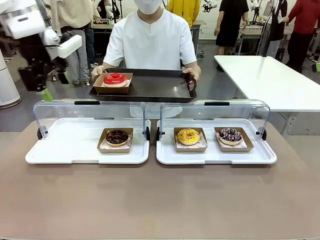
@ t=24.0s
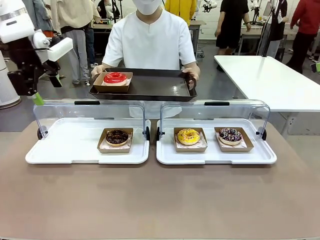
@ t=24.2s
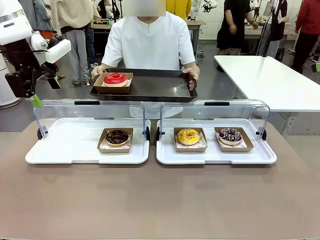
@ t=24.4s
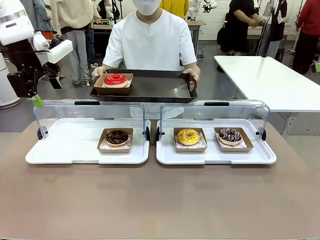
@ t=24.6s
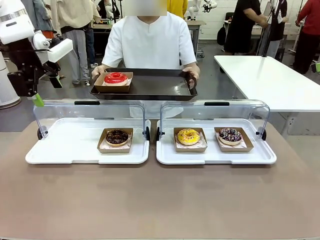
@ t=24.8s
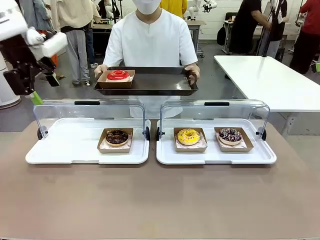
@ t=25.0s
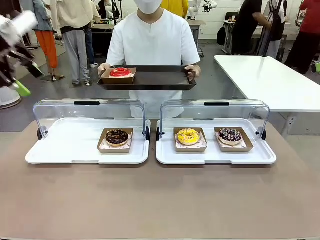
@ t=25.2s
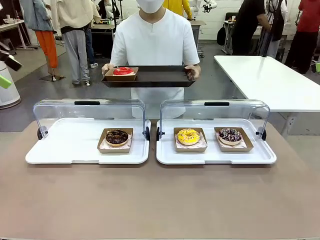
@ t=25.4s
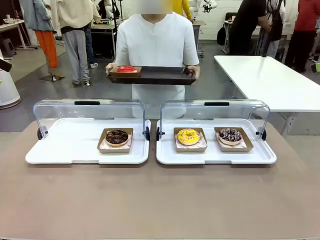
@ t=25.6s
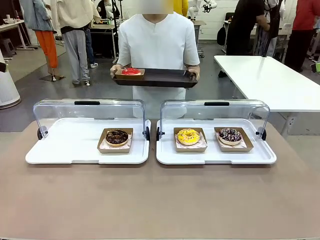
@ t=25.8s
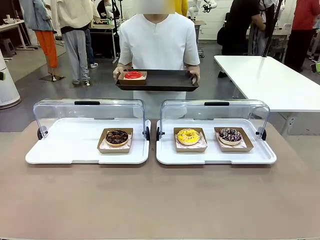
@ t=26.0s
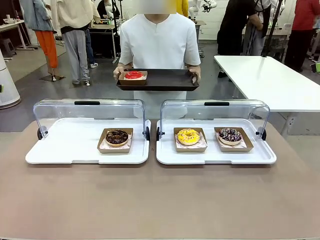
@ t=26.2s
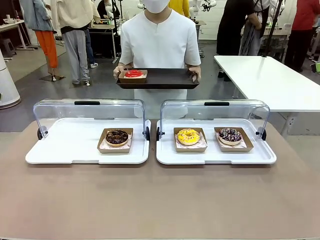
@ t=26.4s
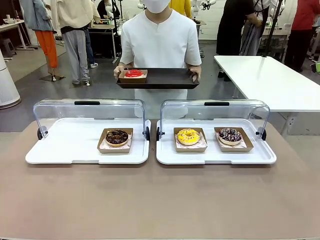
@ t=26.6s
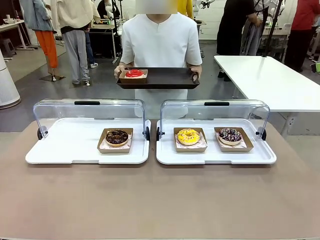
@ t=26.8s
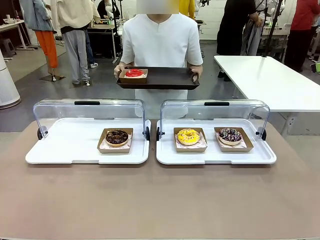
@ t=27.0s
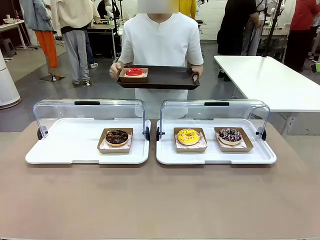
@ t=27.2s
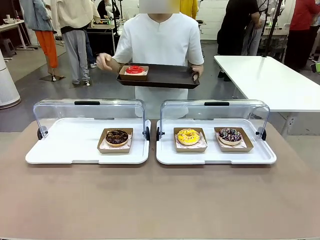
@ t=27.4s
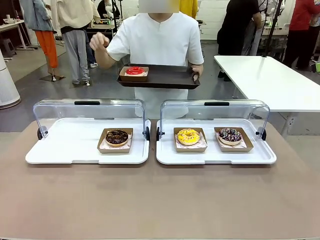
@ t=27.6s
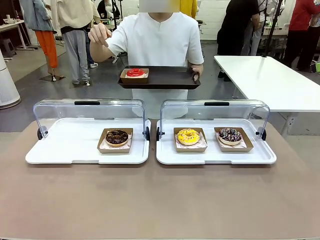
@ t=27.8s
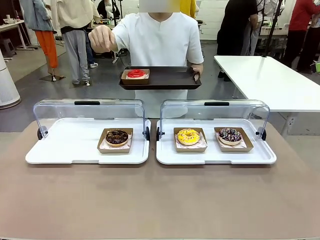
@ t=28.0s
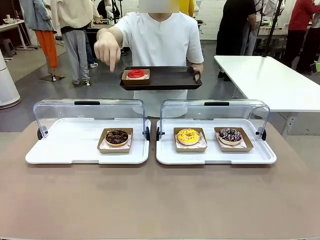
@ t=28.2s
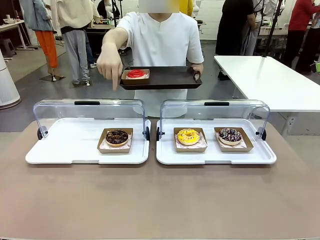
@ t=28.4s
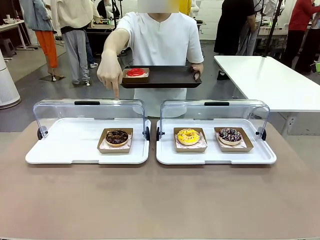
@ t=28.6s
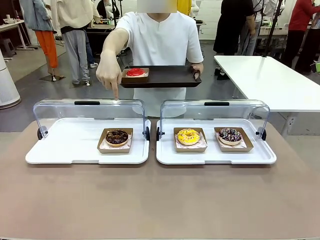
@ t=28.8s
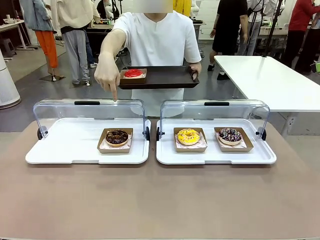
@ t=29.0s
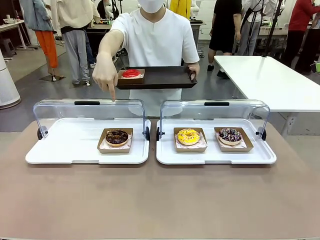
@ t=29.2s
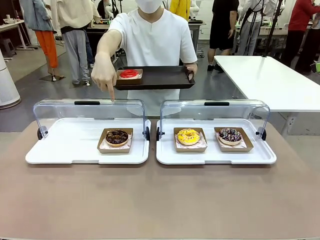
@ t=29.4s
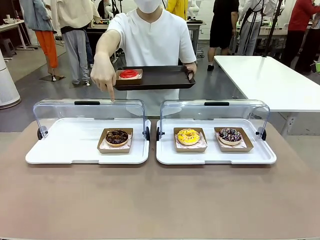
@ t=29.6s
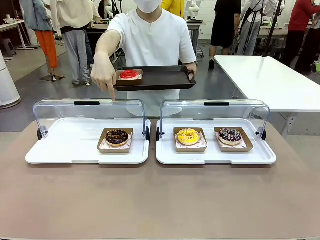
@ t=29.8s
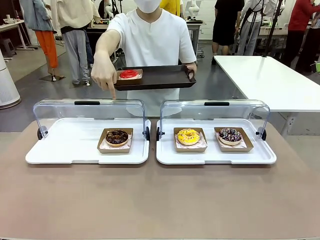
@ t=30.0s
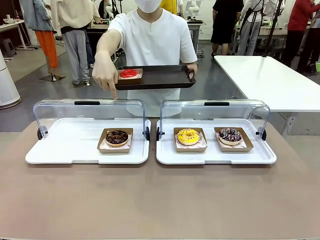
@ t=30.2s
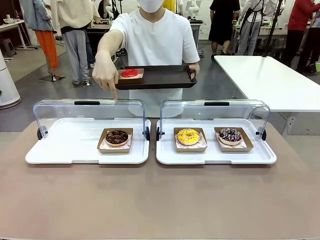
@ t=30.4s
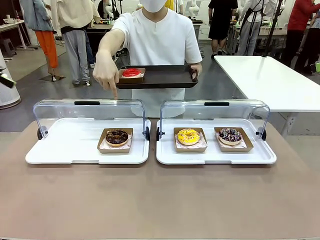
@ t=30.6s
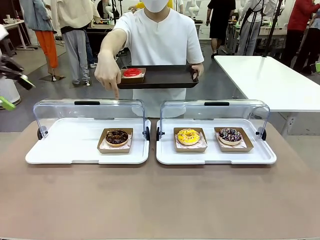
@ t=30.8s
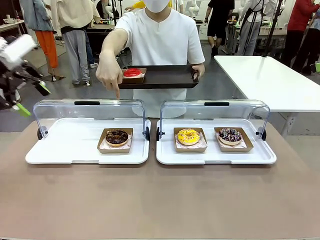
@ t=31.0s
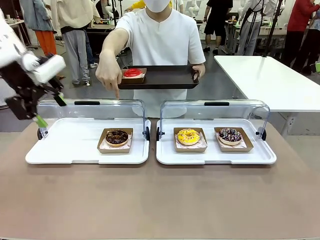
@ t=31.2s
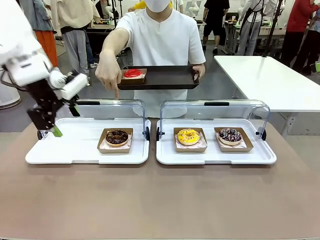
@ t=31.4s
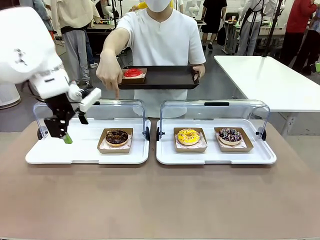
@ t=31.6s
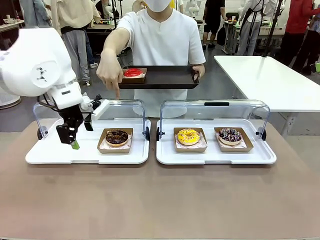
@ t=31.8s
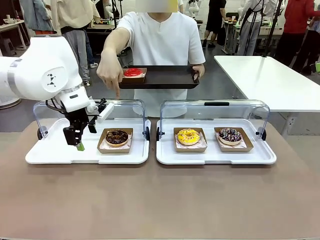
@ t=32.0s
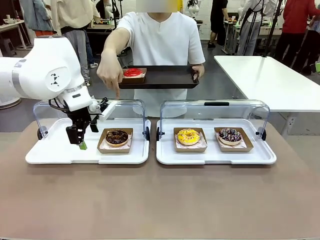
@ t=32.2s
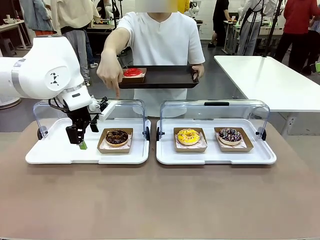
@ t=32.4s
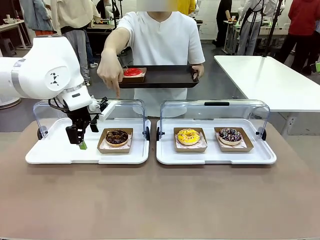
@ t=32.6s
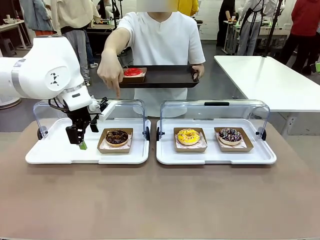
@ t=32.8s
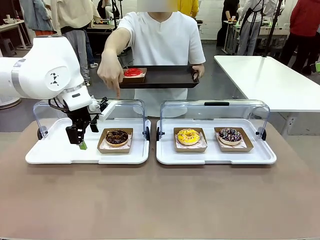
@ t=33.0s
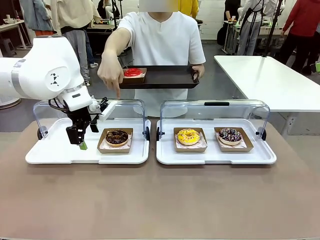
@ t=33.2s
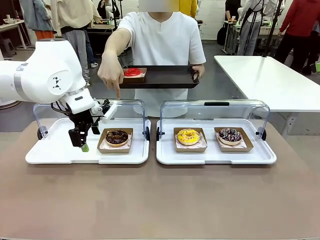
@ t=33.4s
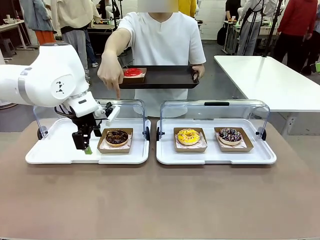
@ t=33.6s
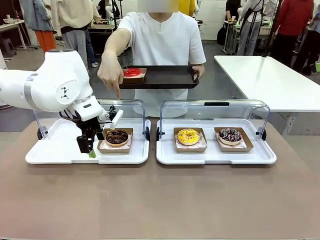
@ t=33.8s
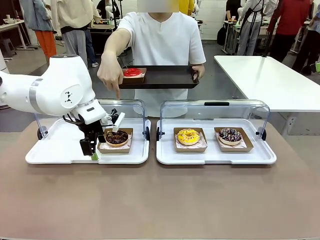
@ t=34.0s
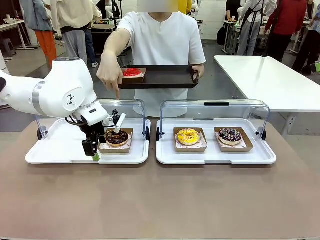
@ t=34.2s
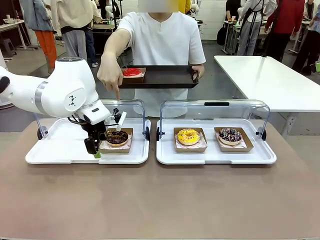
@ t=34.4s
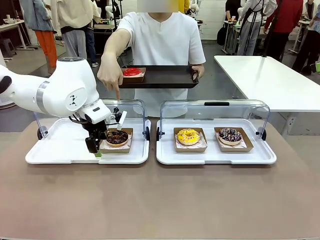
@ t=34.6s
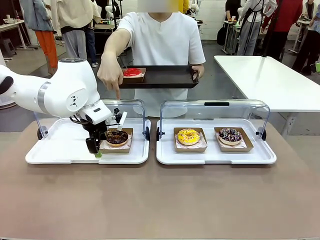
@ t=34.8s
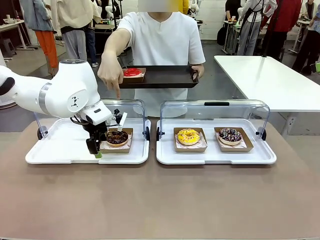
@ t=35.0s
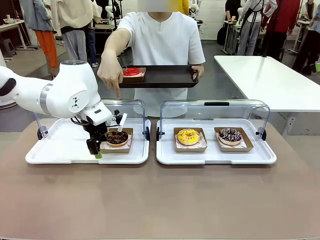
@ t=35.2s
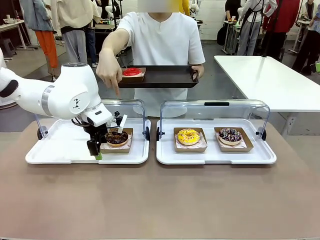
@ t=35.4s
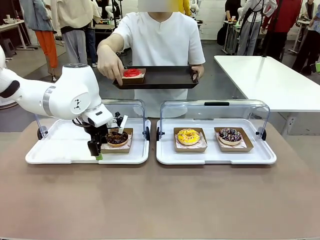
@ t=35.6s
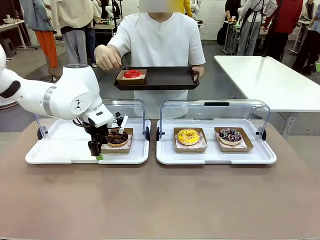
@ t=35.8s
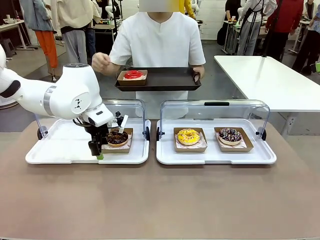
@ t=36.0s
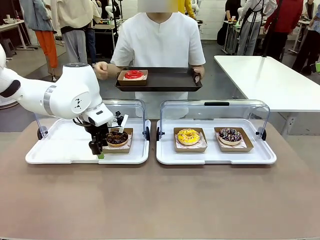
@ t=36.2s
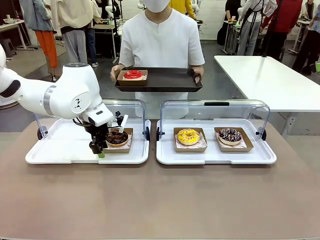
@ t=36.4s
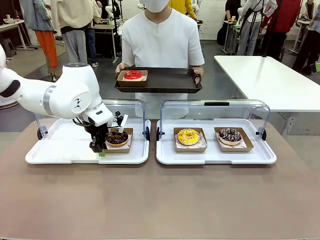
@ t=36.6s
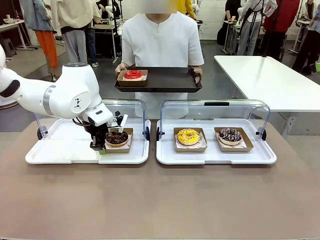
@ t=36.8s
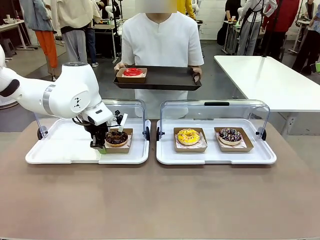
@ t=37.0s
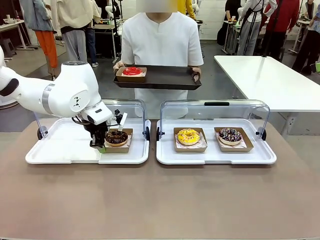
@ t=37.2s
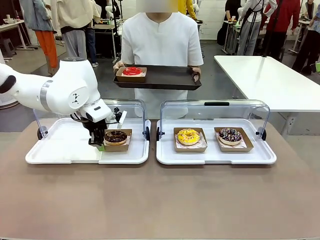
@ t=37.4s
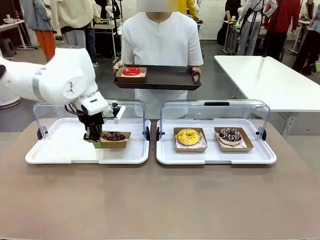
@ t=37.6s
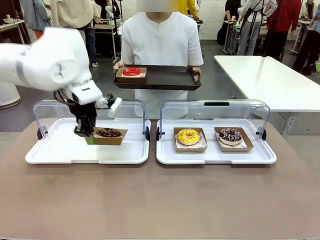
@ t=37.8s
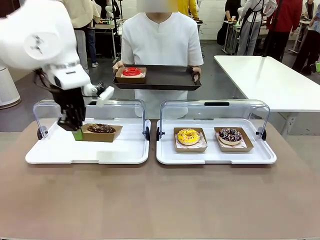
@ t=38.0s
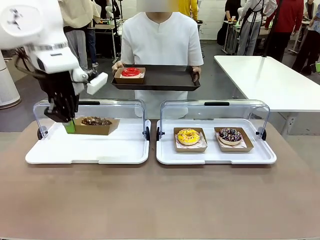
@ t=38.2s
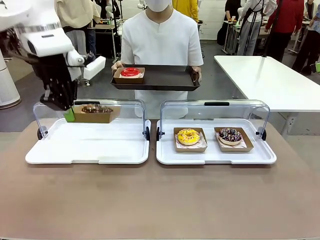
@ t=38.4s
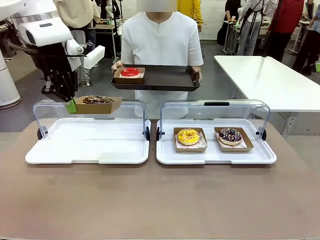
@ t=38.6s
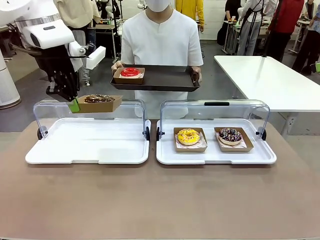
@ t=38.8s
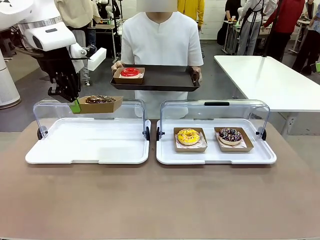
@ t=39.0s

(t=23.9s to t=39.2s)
Task: Provide the desired donut to the person.
Robot: Pick up and lift the Paper togo box containing the Donut pointed at by the person.
Person: Point to one donut. Lift the tray onto the Roll-Top Bakery Case.

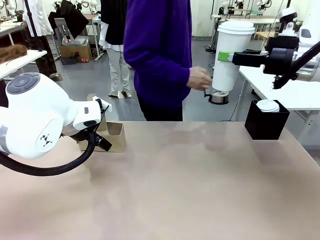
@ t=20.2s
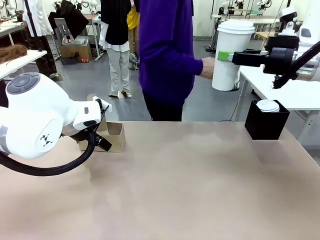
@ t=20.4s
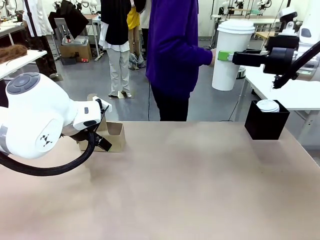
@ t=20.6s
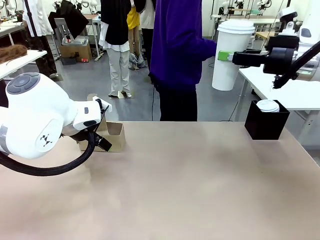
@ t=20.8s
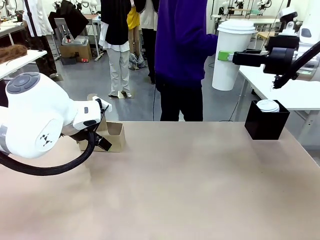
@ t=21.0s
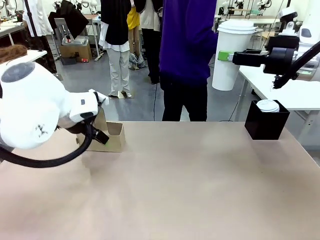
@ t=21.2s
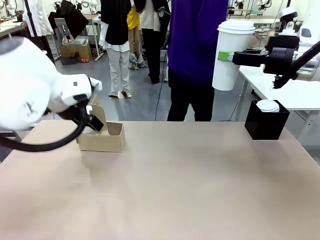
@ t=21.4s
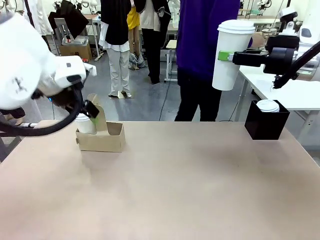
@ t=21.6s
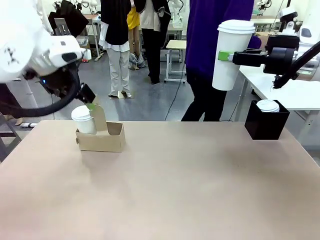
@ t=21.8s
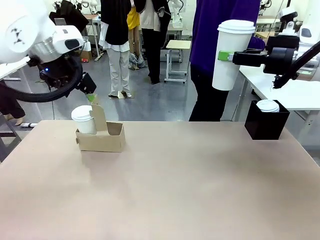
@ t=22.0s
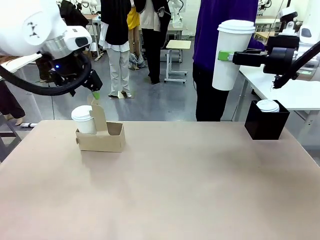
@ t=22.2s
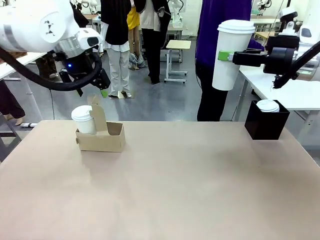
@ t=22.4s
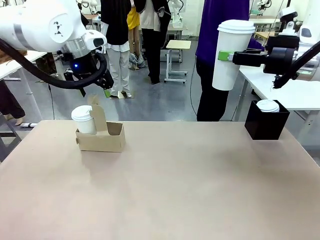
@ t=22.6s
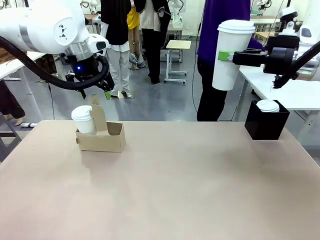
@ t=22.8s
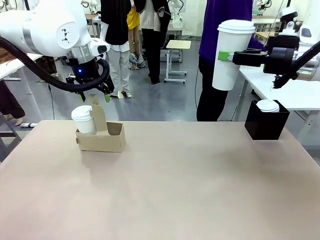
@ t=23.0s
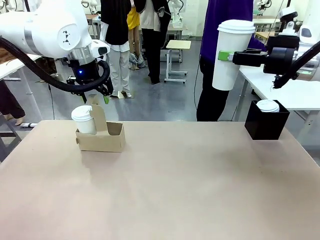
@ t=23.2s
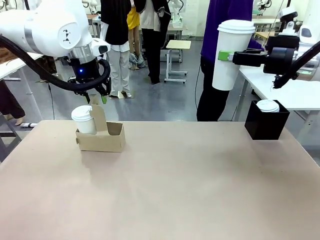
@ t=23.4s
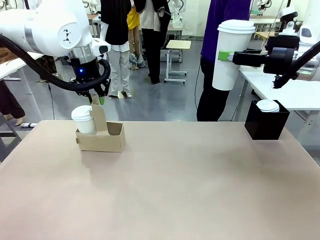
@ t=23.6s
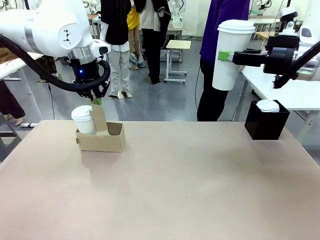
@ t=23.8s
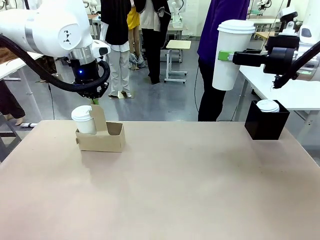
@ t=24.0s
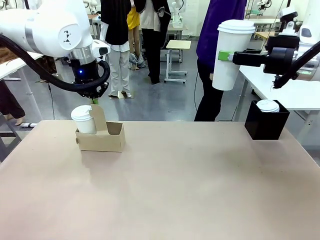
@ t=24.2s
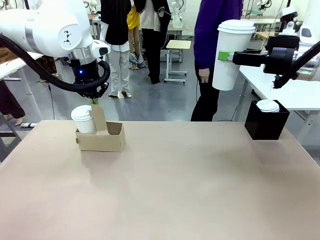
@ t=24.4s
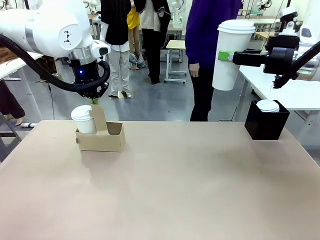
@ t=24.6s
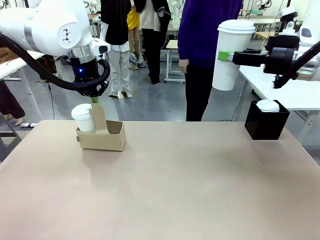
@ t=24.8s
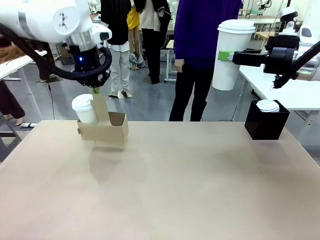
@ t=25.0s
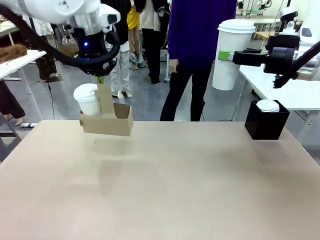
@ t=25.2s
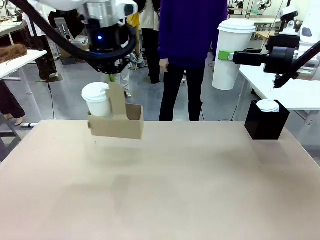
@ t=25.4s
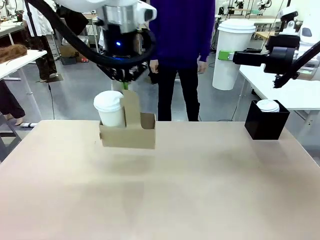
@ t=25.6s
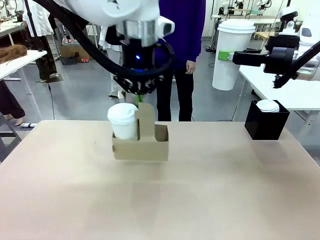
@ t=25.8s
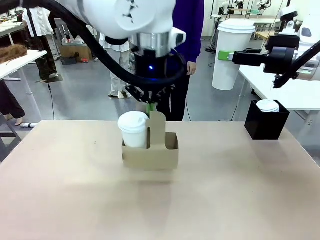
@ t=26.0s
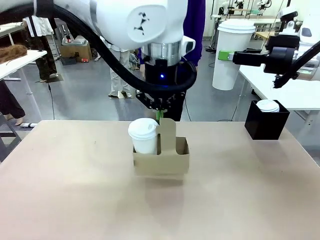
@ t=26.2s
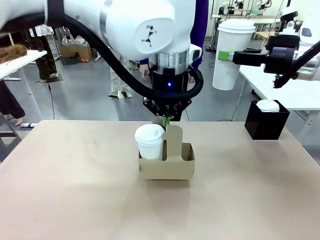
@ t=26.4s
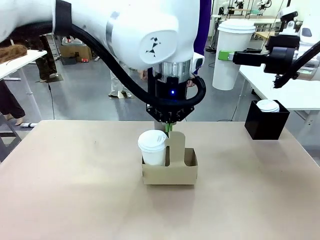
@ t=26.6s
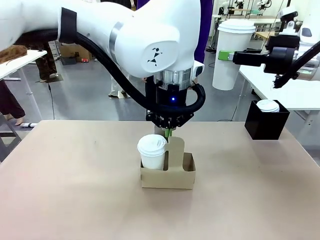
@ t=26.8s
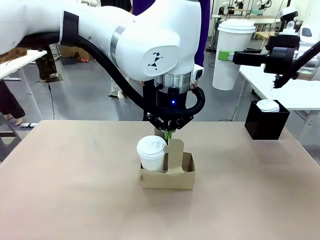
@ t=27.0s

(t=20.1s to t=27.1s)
Task: Pour a drink into a cup and package it in a carrier.
Robot: Position the Cup Carrier in the center of the table.
Person: Pick up the Filter Brewing and place on the middle of Human table, and return to the Robot table.
